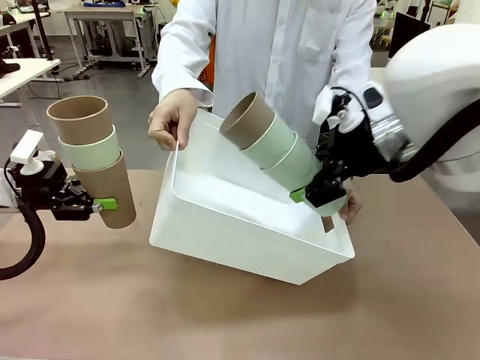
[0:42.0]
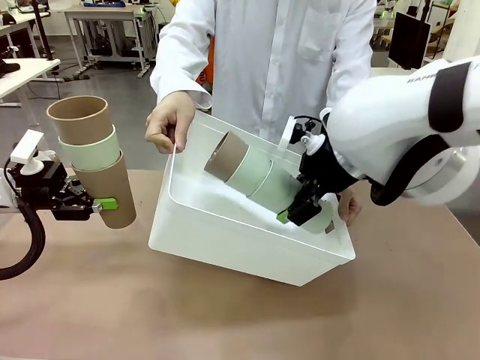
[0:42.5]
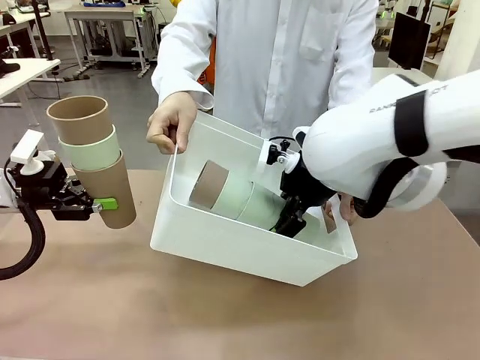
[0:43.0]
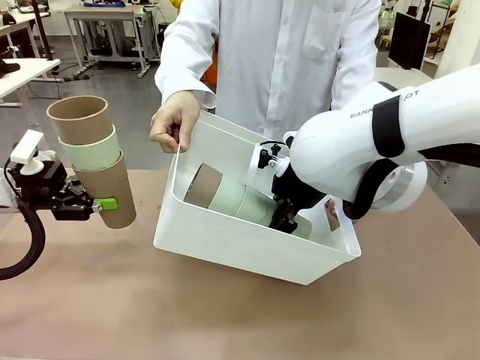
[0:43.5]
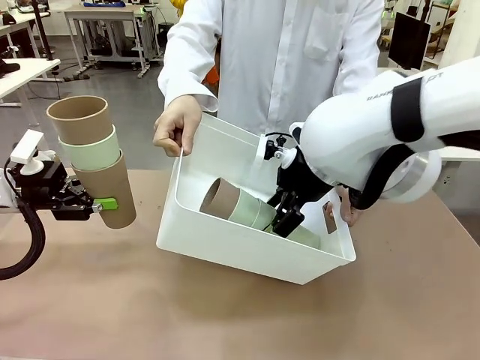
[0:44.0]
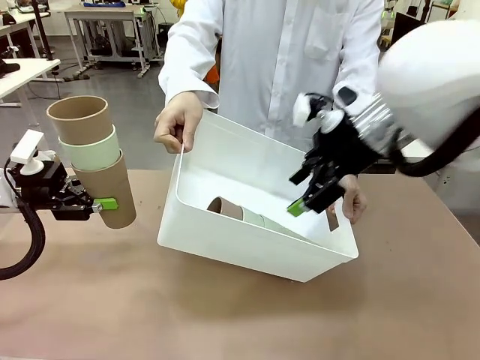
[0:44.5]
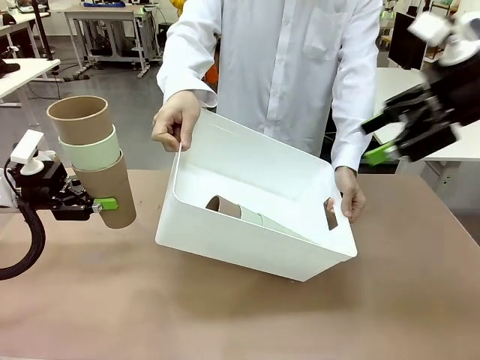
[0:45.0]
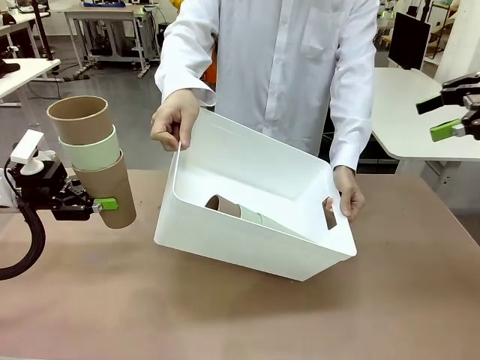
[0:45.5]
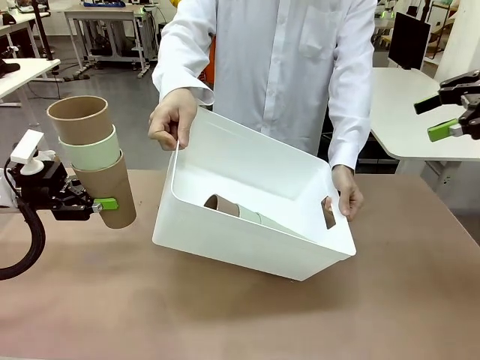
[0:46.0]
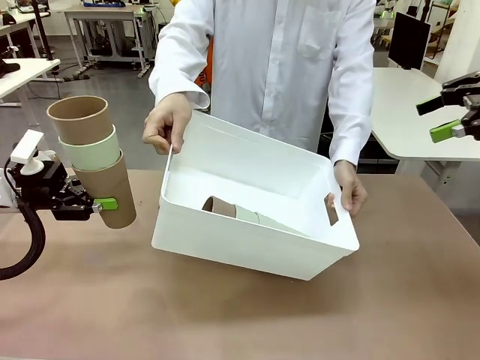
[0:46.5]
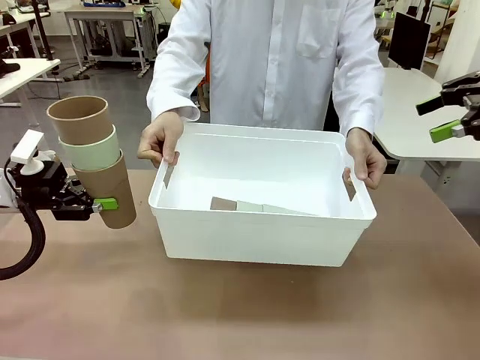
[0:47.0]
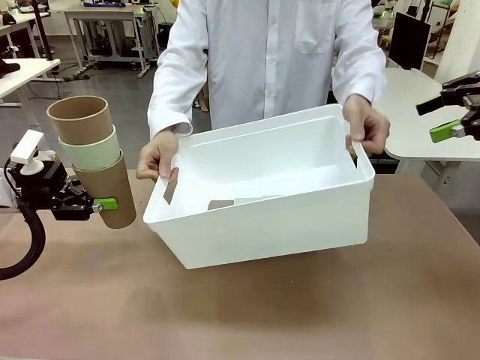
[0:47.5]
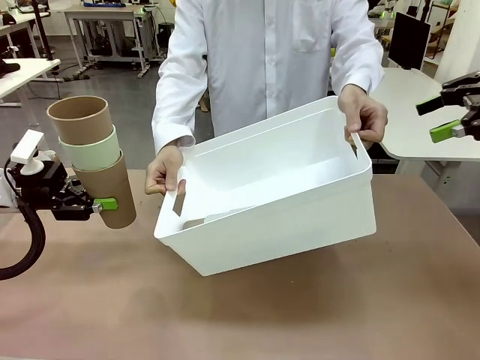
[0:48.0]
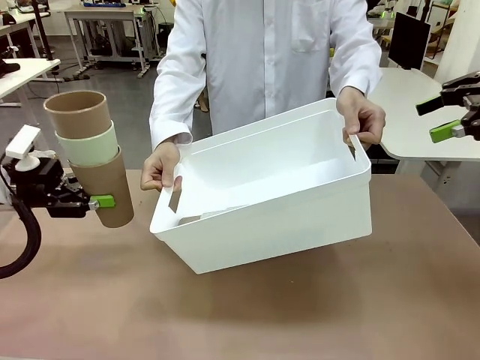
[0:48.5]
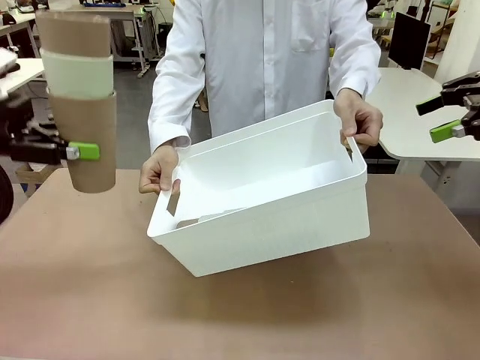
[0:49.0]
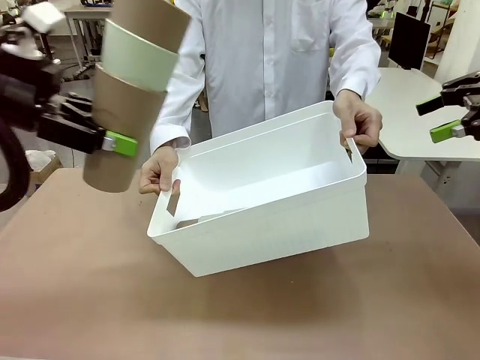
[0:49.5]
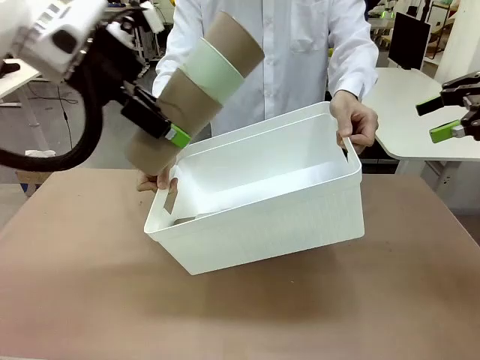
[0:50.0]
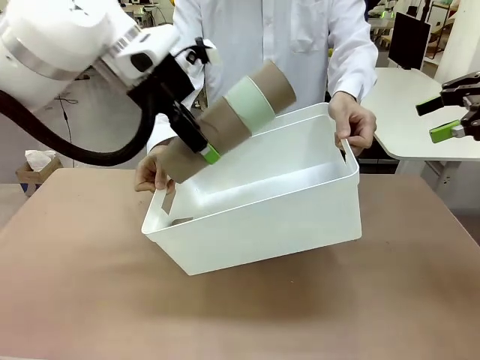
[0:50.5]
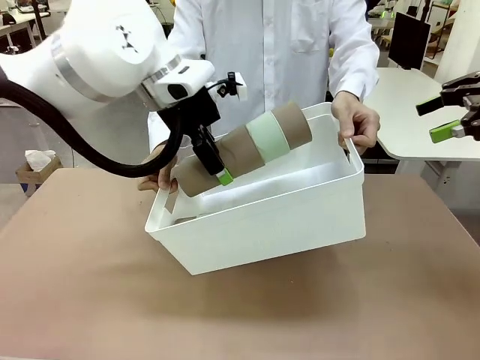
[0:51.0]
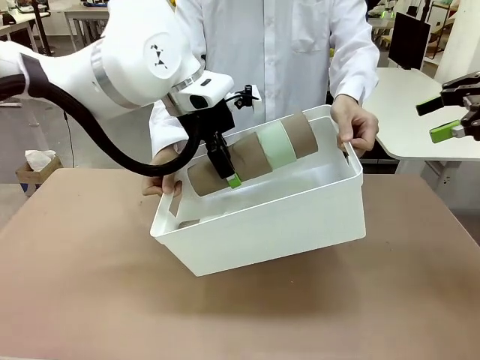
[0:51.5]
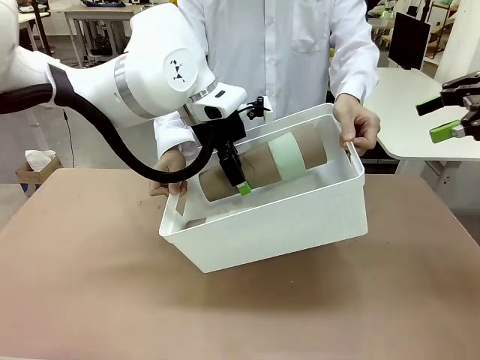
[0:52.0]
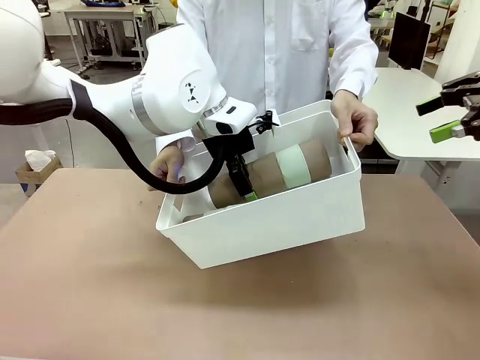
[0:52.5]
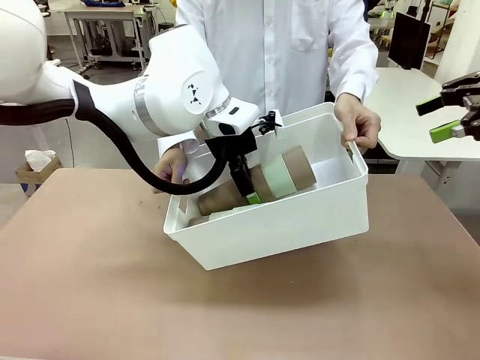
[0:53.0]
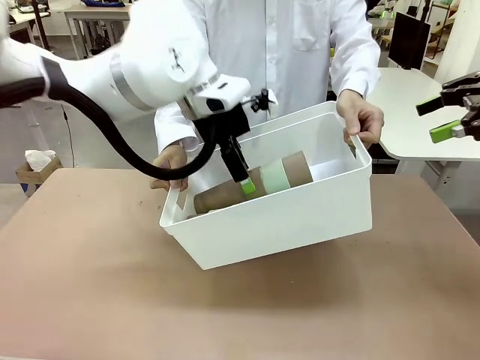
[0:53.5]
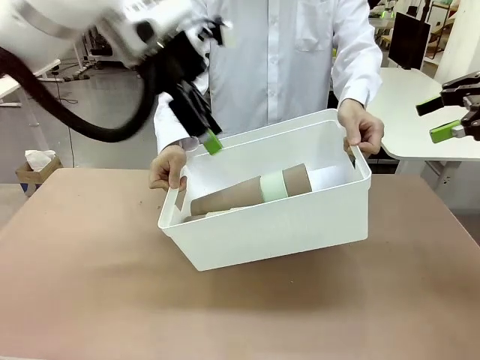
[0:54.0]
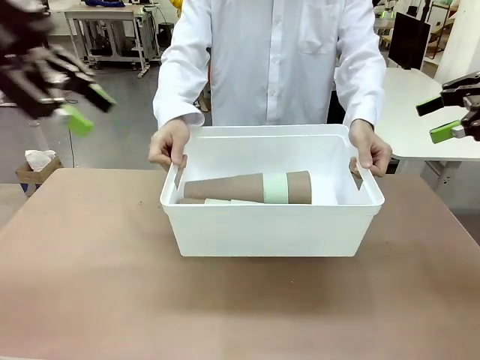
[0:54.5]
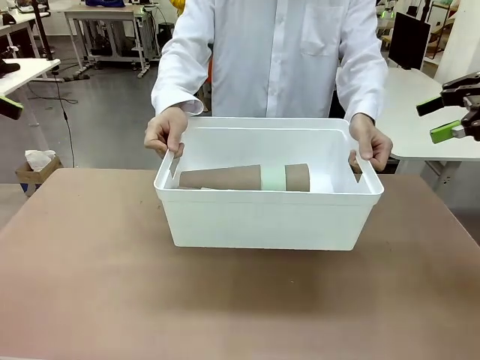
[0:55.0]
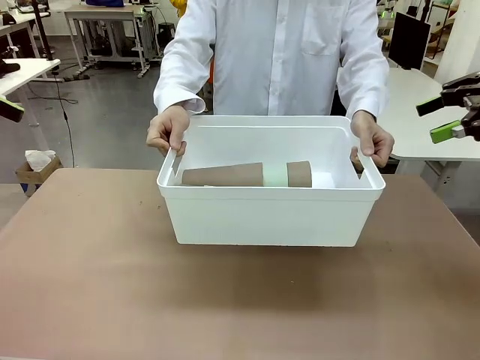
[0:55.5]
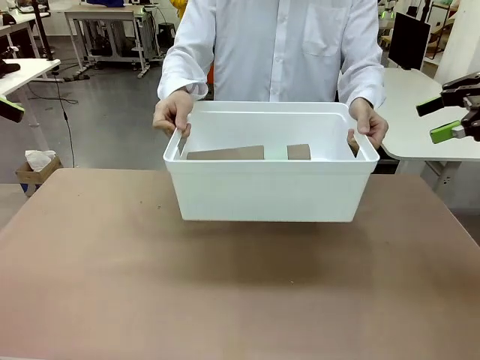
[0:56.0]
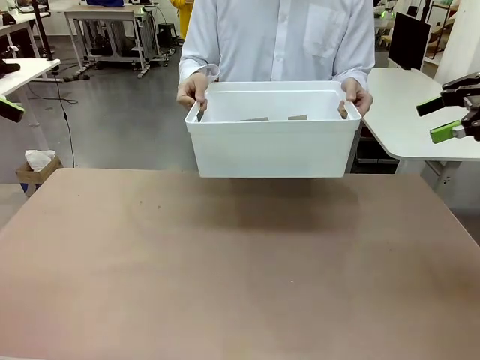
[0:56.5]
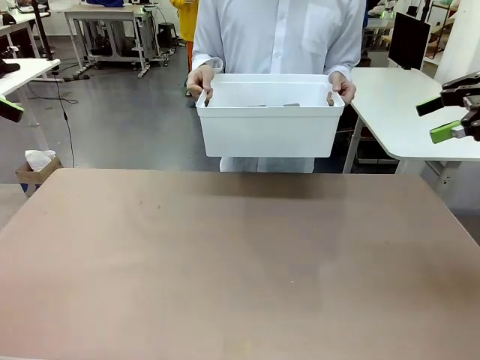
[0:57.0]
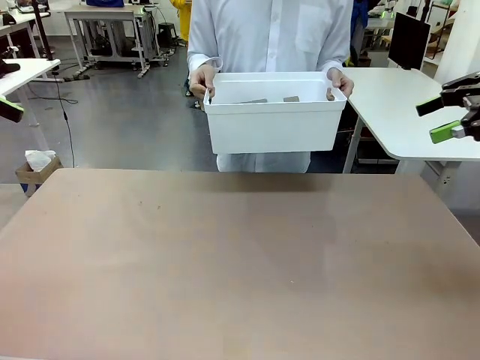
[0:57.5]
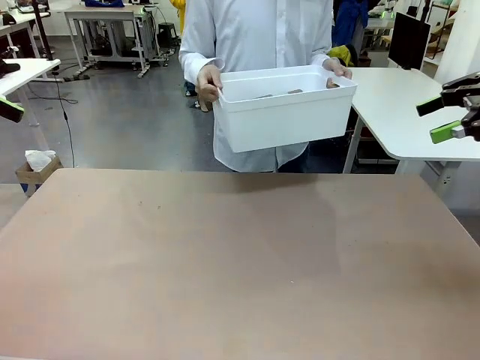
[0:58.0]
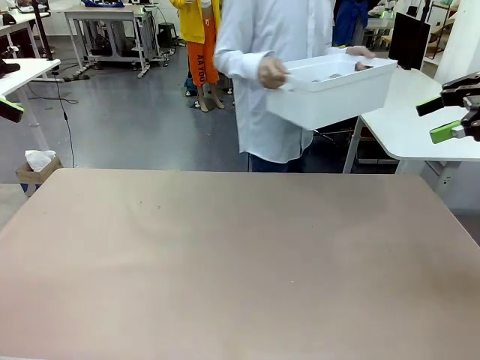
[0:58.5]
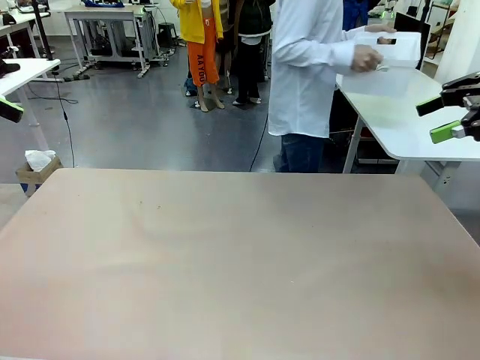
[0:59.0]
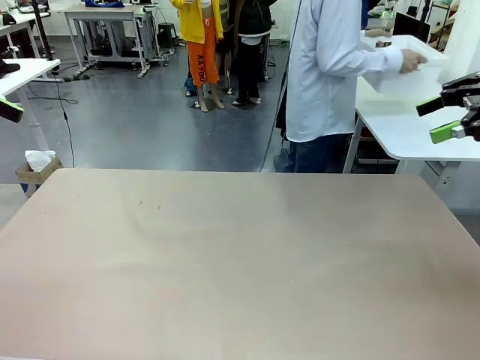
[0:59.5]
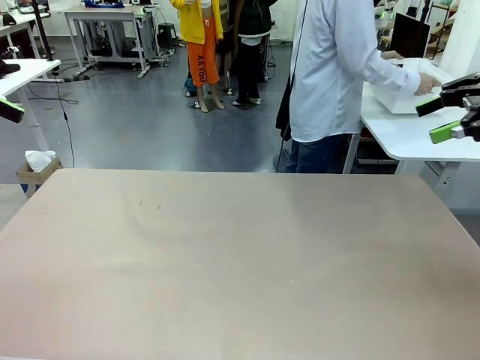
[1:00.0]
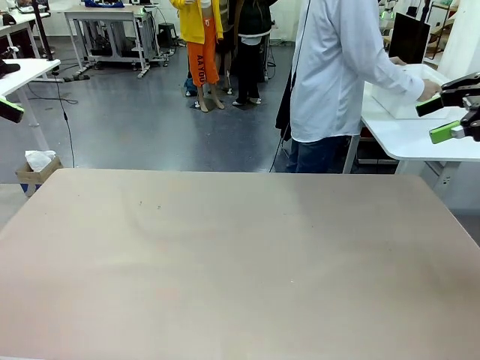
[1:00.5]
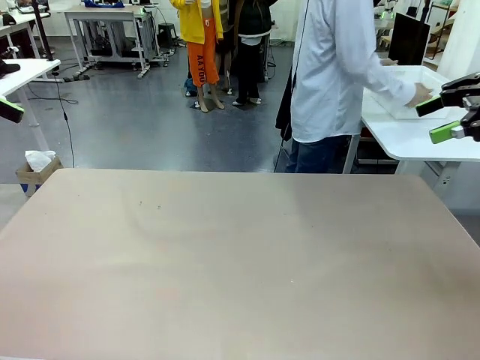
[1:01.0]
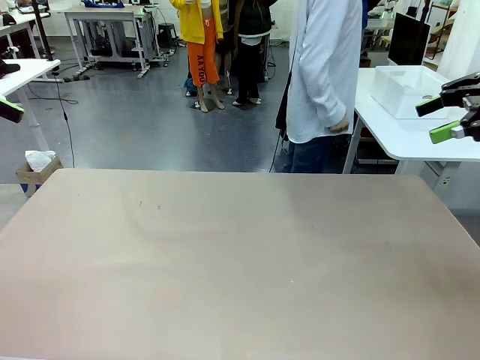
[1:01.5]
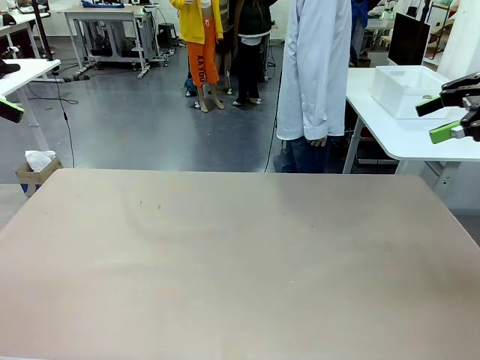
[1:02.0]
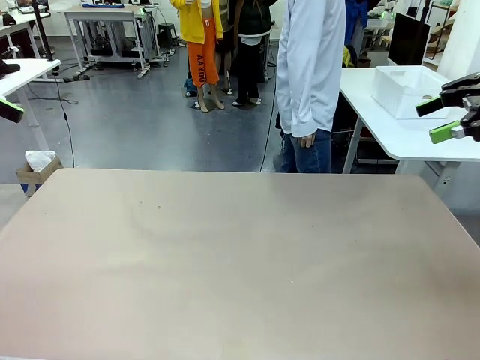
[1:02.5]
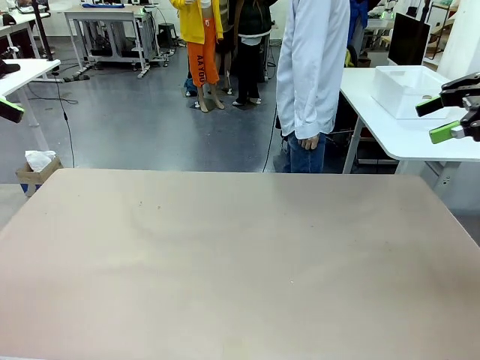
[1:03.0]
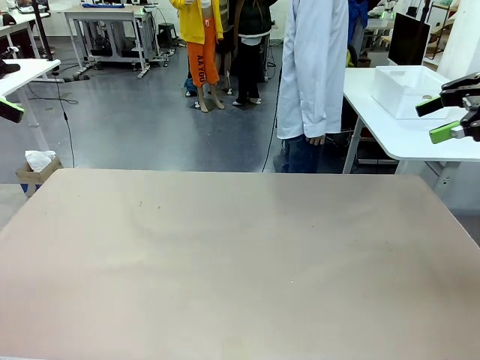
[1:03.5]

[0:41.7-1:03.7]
Task: Stack the cups and store them in the basket.
Robot: Place the stack of Reusable plastic cups into the Pantry Basket.
Person: Place the basket containing the cups in the middle of the Human Table.

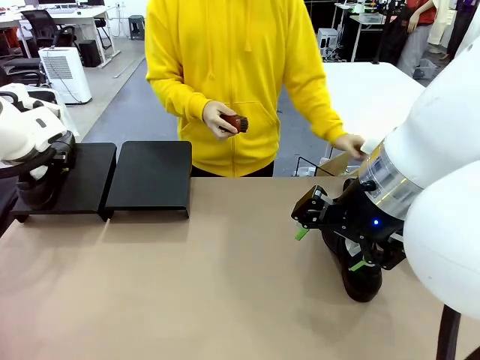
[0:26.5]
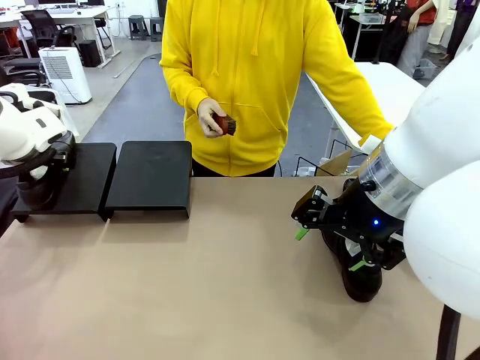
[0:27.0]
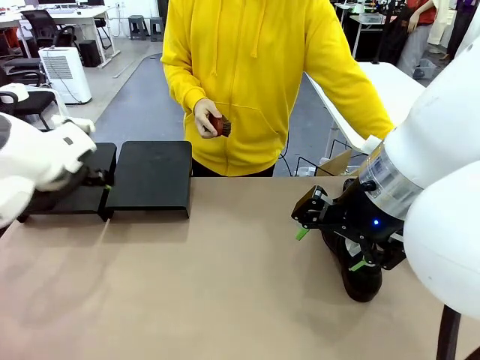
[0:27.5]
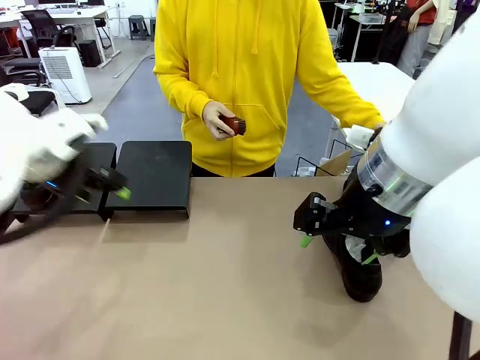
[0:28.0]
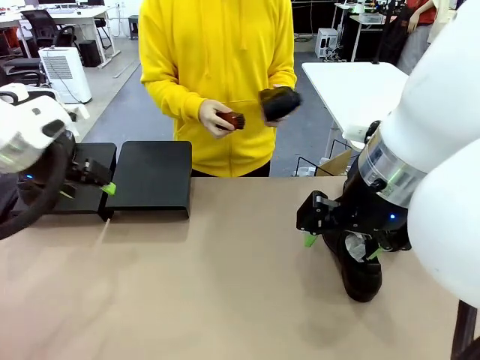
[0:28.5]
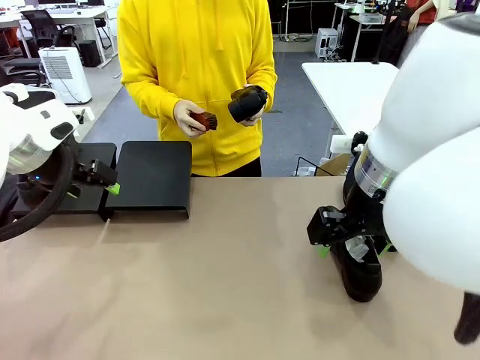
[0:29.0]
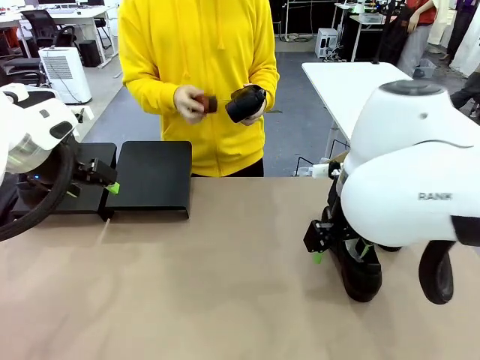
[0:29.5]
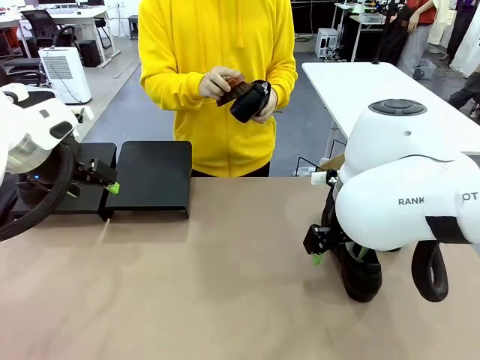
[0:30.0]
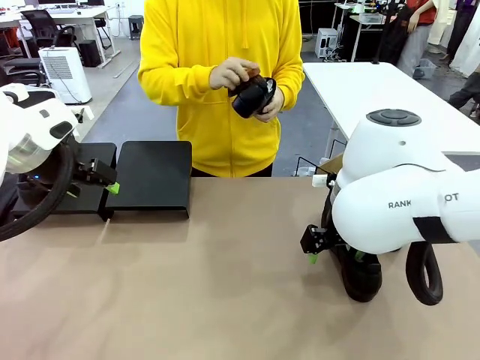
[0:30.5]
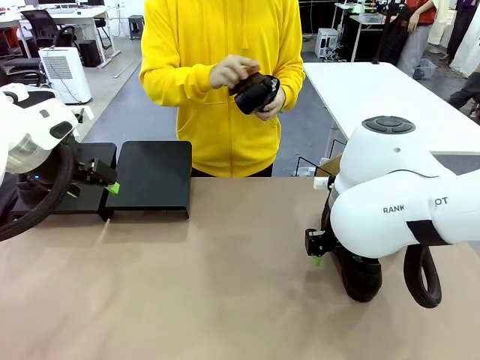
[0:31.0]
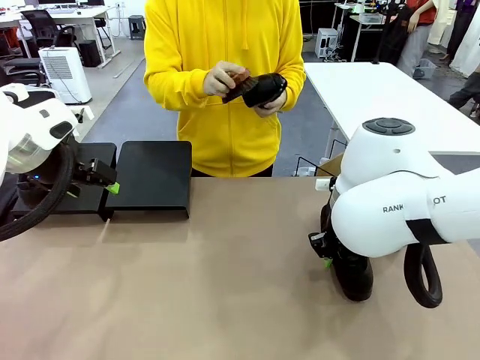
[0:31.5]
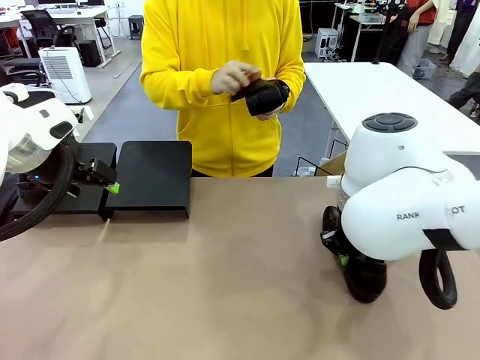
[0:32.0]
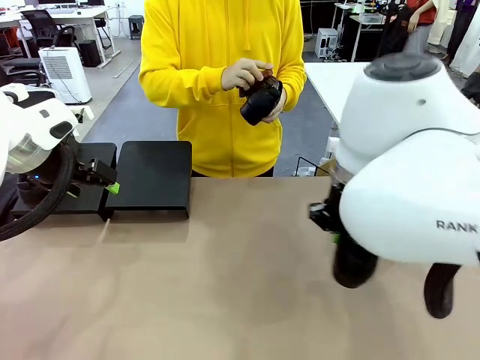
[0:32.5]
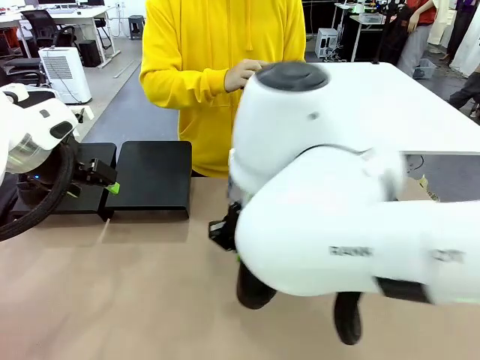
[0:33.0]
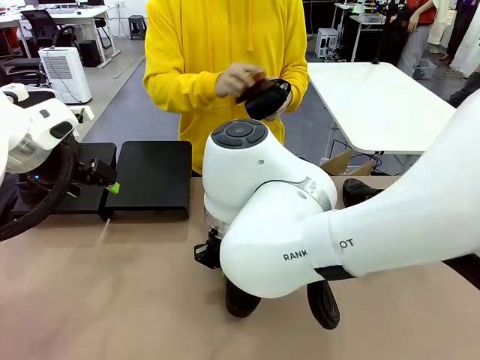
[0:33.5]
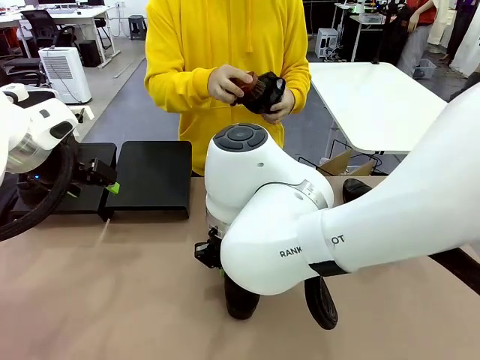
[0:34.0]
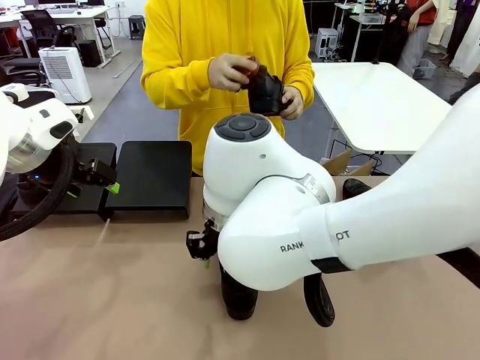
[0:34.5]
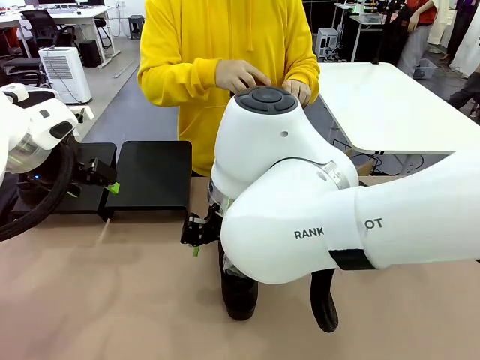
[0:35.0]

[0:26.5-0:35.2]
Task: Organize the shoes by placing them on the stand.
Robot: Pick up one Shoe and place it in the middle of the table.
Person: Pick one Shoe on Robot's table.
